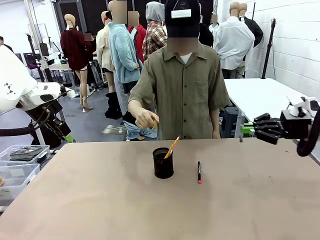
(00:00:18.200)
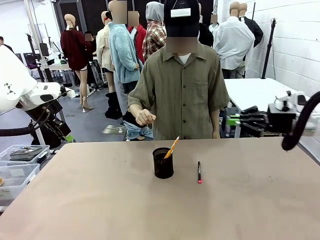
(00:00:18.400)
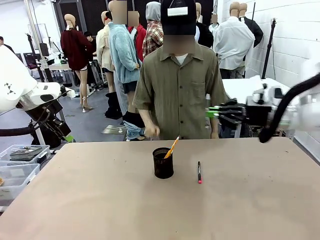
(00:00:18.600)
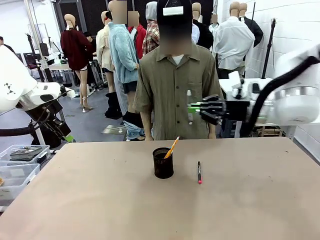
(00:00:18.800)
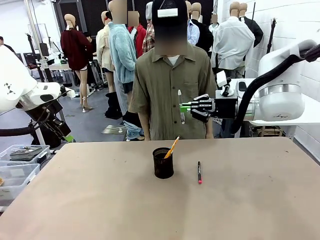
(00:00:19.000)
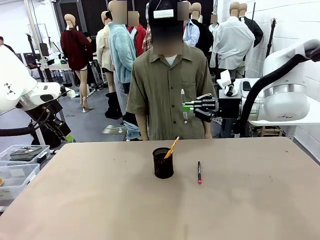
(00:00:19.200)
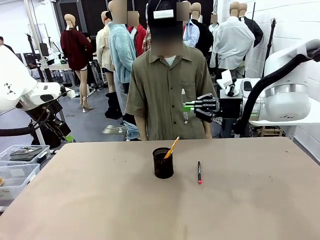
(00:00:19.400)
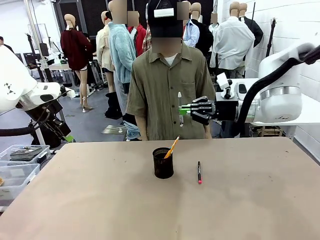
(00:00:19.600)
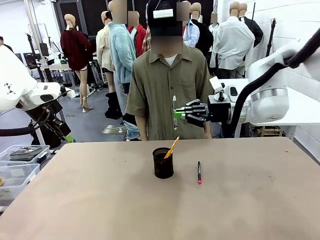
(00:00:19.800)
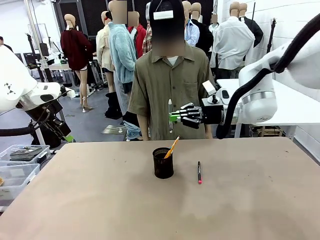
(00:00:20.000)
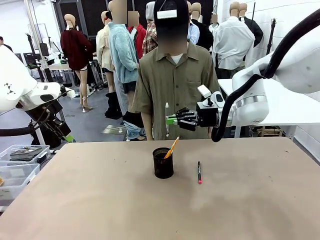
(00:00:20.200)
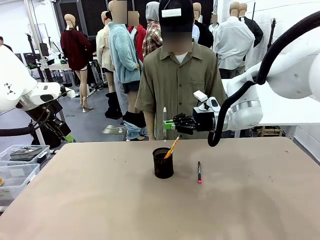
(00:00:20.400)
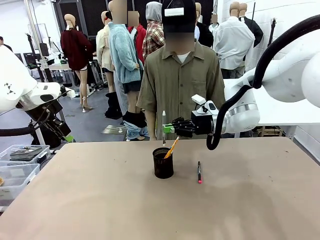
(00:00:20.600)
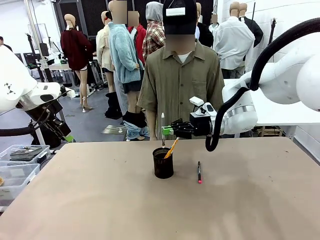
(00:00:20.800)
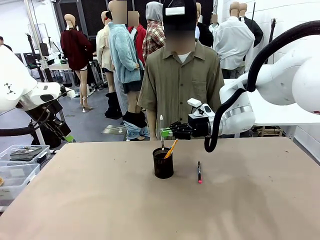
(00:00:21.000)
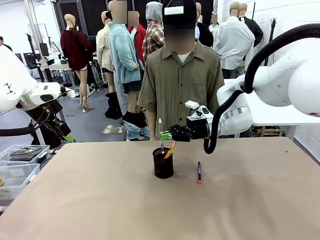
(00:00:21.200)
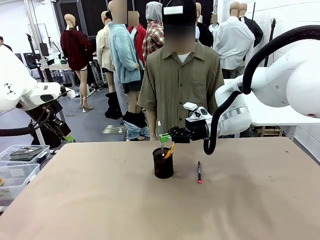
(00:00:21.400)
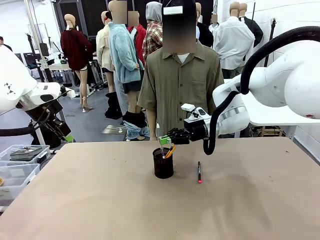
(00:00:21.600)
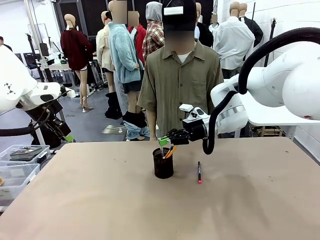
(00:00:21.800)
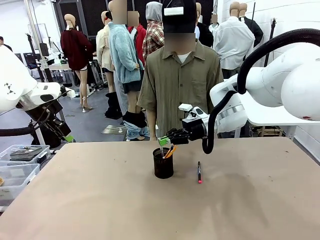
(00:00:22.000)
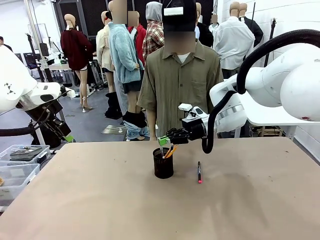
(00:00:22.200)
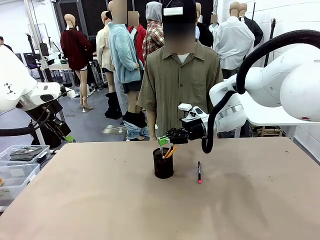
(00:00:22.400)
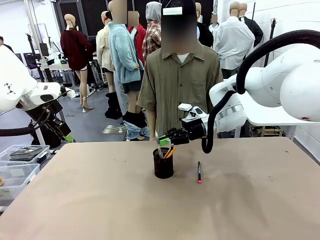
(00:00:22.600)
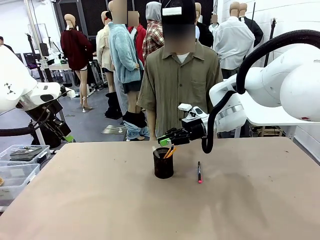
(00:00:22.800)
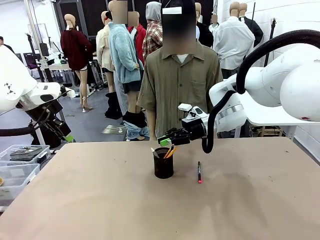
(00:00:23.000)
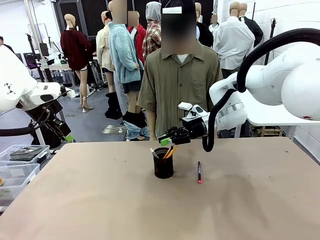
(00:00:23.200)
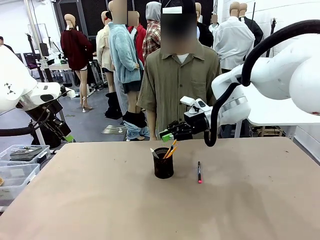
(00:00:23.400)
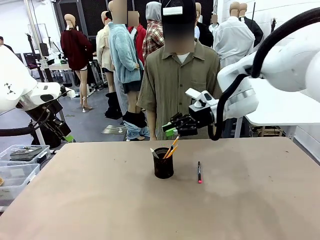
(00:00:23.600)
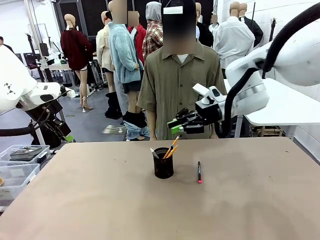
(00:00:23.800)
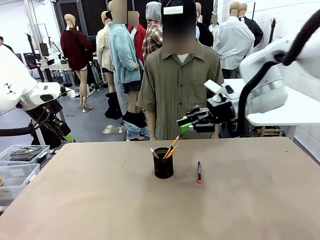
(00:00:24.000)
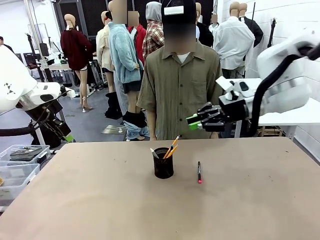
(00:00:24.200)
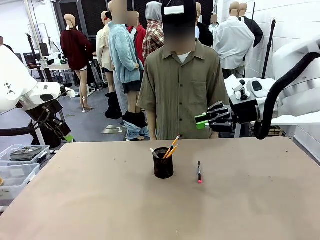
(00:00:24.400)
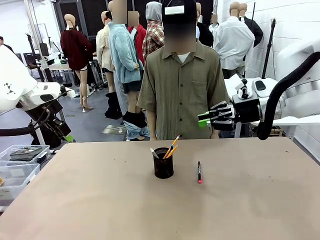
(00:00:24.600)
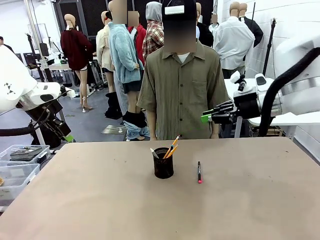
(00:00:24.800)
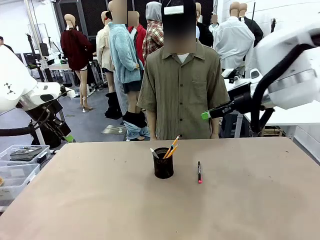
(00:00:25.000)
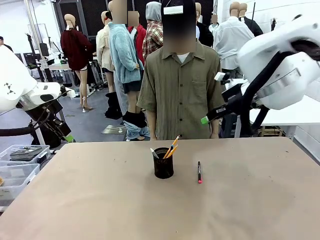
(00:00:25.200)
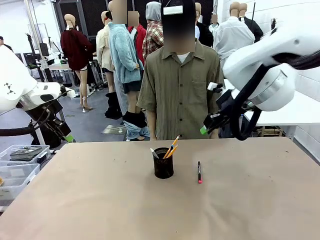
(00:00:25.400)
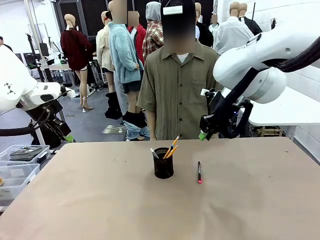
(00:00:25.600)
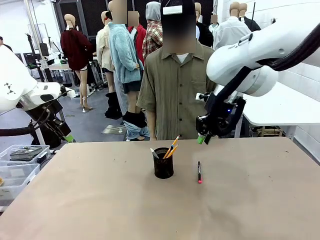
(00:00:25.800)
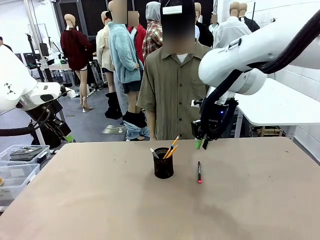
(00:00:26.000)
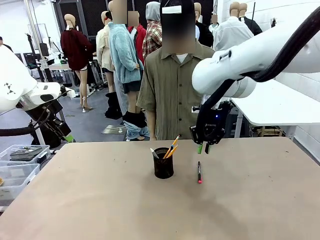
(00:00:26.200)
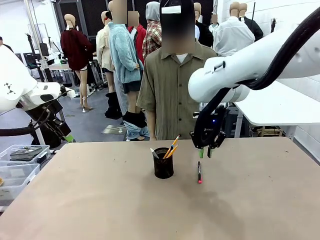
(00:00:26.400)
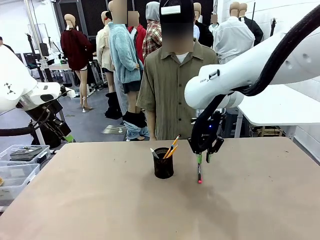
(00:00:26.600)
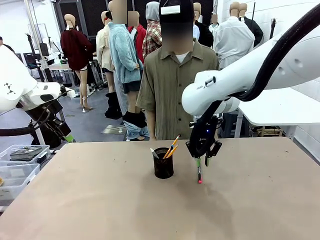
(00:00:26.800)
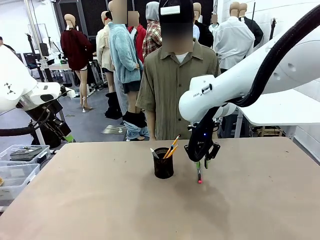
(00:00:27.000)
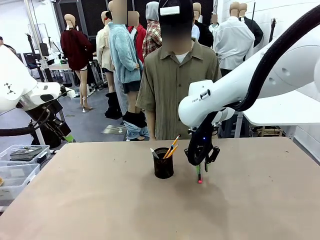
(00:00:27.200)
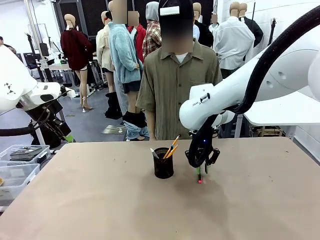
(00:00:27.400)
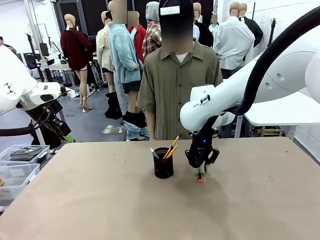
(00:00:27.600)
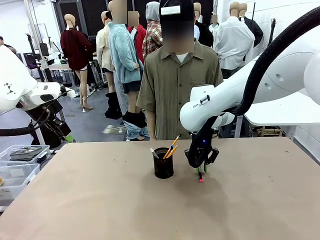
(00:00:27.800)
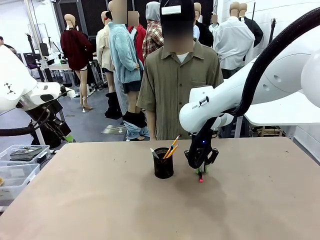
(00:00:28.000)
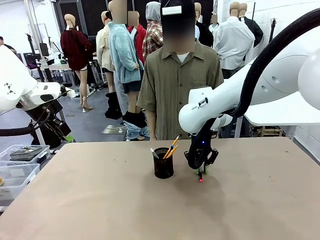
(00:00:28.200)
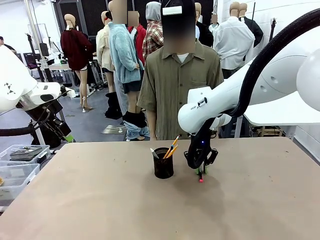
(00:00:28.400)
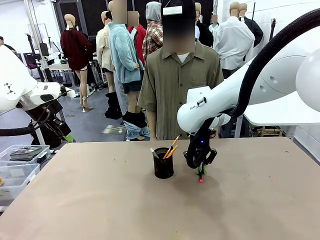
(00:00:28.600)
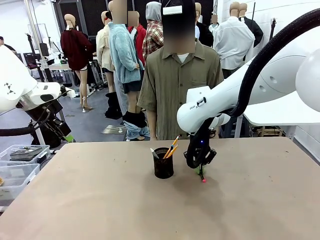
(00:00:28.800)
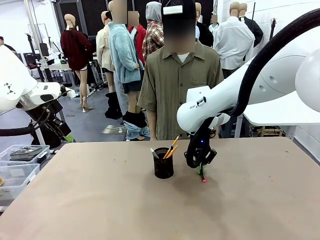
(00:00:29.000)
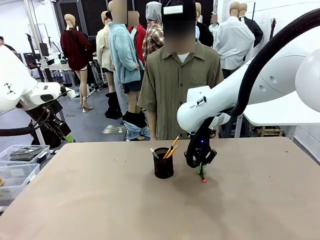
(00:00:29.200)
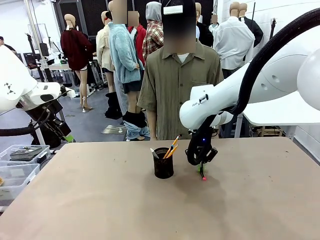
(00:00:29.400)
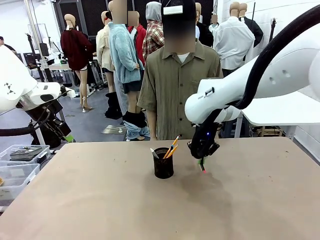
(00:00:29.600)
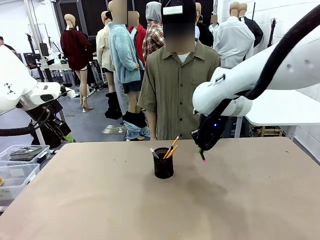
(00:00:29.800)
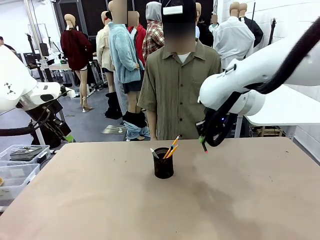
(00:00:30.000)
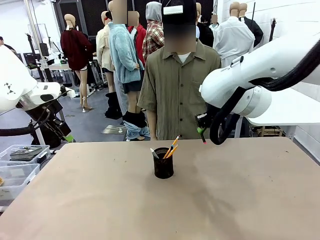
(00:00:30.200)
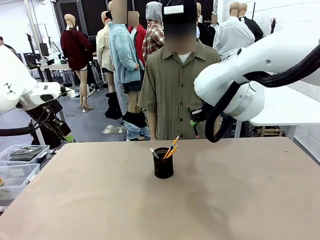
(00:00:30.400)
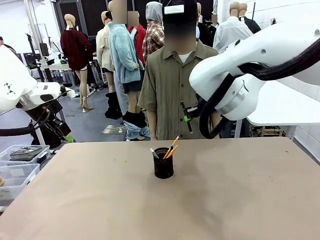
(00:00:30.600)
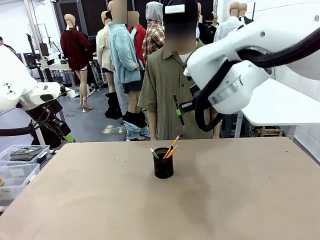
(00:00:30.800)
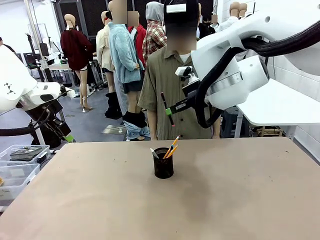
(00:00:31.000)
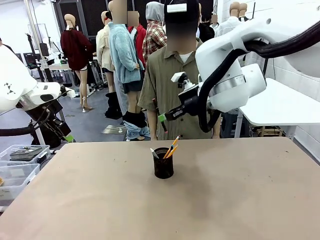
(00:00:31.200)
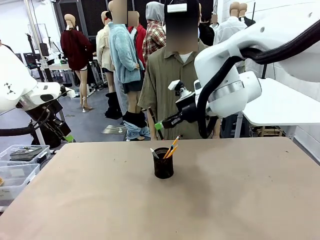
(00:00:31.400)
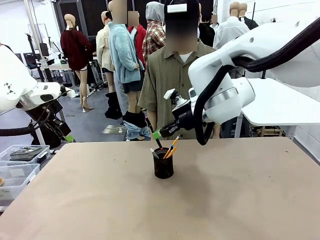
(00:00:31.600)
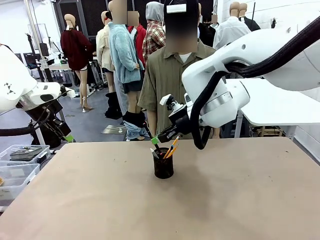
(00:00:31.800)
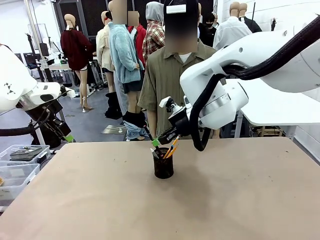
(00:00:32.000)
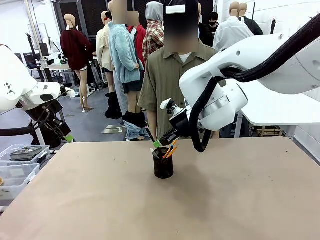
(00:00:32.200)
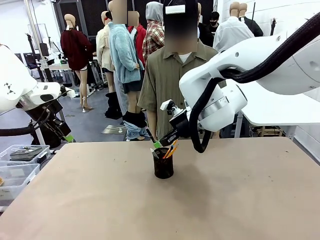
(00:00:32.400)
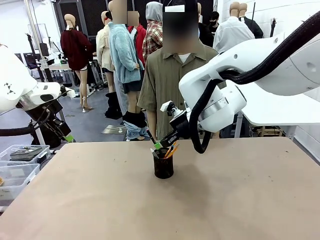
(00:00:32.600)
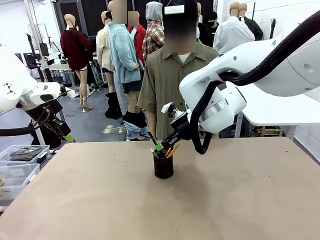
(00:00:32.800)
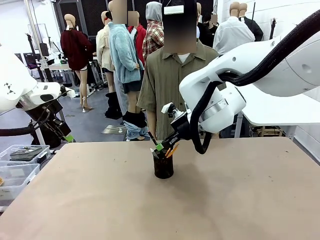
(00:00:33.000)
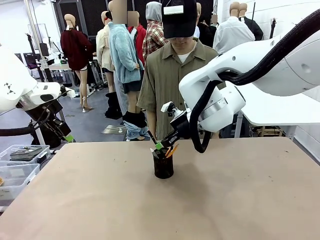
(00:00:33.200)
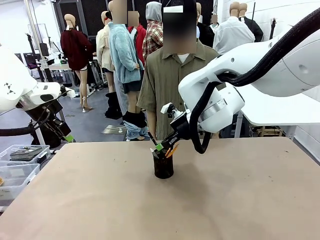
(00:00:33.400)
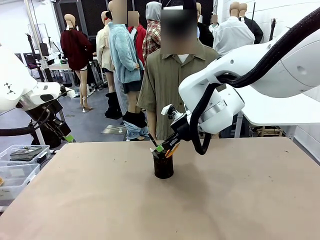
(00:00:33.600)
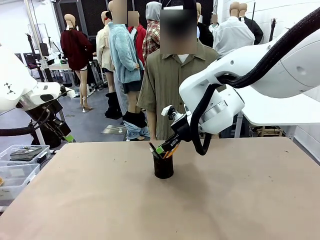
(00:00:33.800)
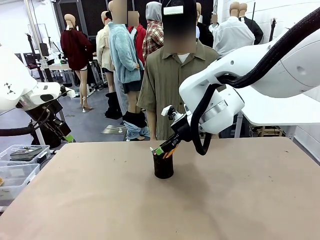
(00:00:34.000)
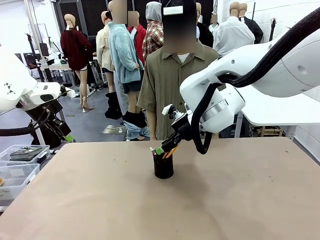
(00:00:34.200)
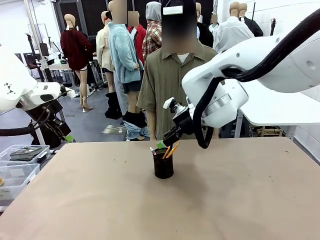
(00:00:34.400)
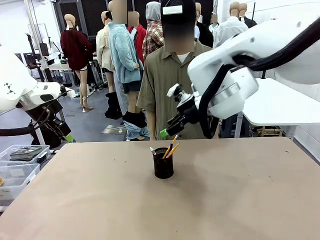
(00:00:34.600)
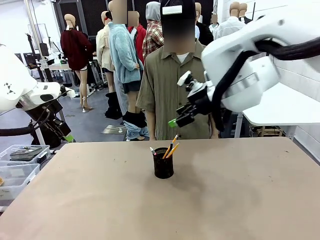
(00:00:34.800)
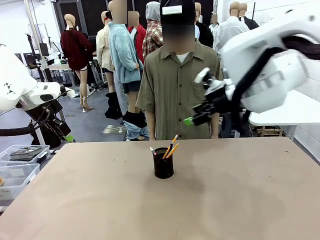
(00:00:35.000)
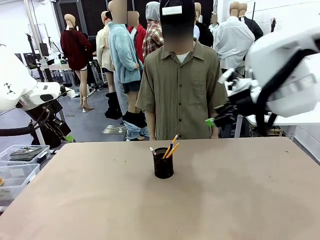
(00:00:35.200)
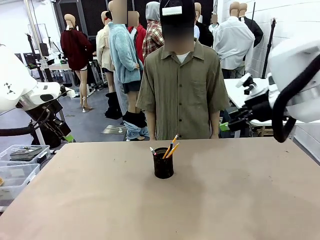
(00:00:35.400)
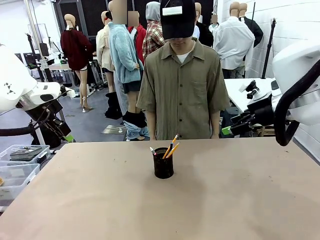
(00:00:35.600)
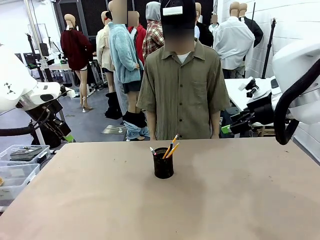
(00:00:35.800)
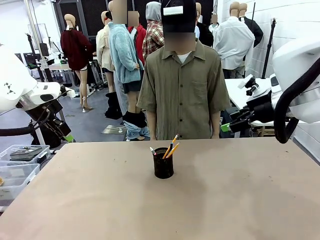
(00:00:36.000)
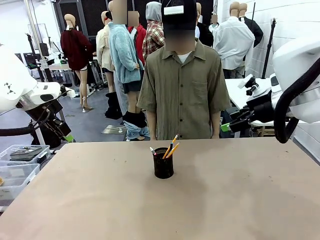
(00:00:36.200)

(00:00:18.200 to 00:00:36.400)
Task: Place the pens into the pen holder.
Robot: Pick up a writing instrument from the table and place it into the Pen holder.
Person: Place all writing instrument into the Pen holder.
